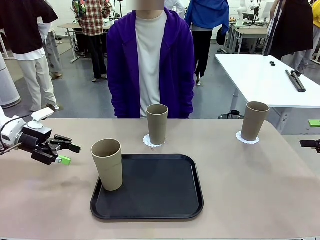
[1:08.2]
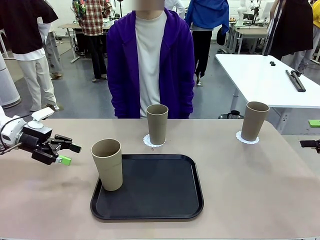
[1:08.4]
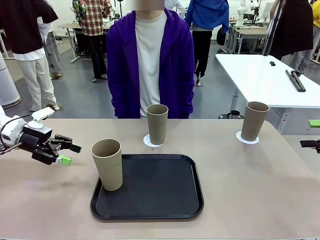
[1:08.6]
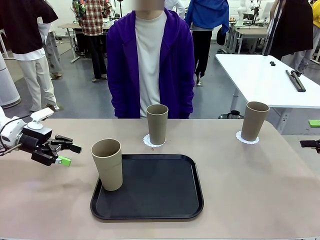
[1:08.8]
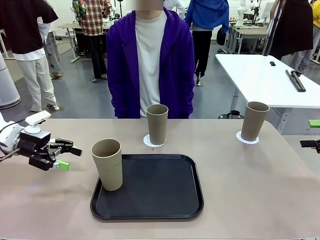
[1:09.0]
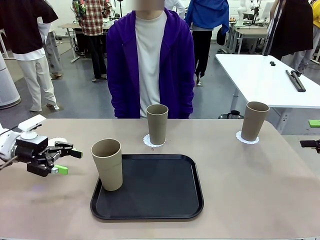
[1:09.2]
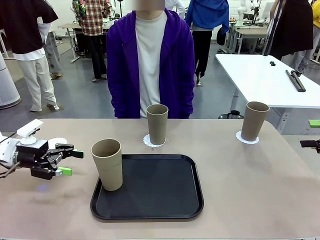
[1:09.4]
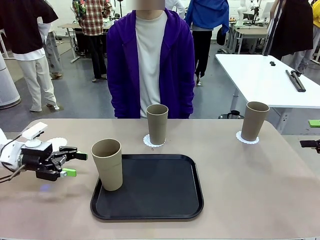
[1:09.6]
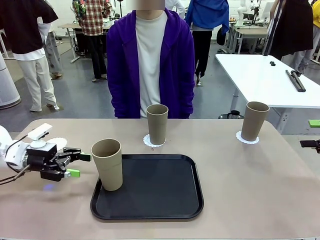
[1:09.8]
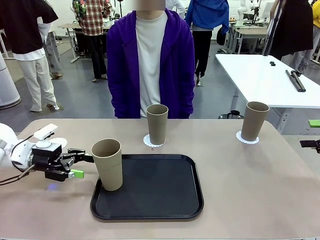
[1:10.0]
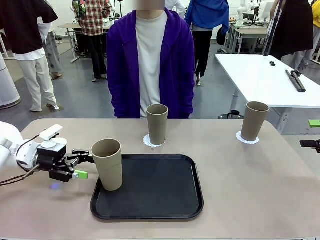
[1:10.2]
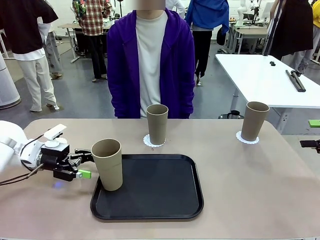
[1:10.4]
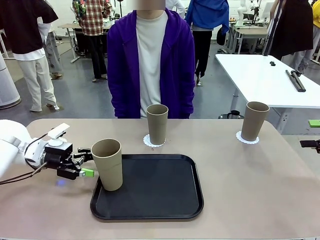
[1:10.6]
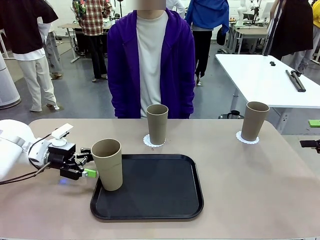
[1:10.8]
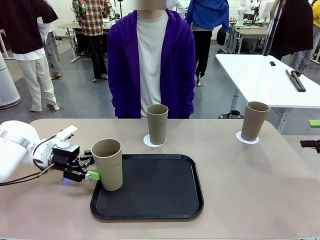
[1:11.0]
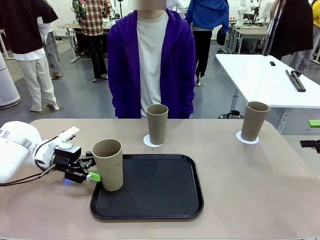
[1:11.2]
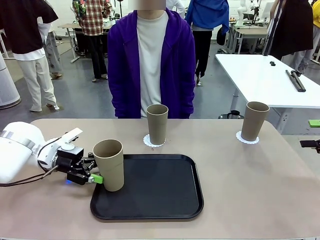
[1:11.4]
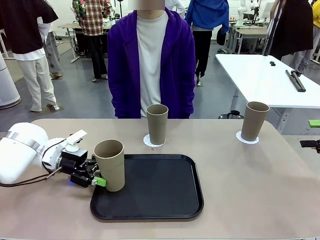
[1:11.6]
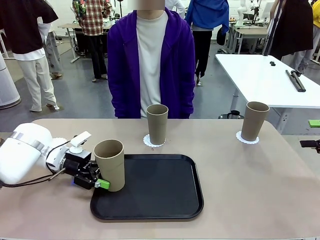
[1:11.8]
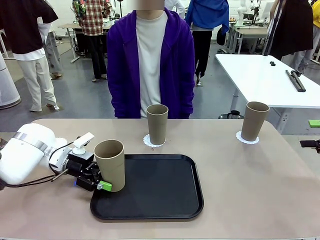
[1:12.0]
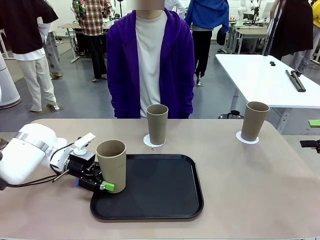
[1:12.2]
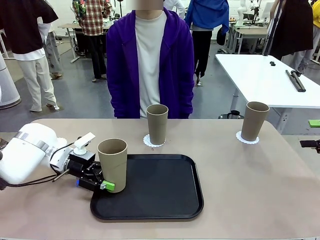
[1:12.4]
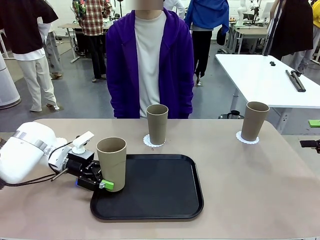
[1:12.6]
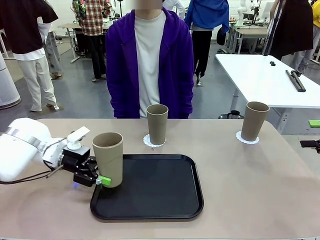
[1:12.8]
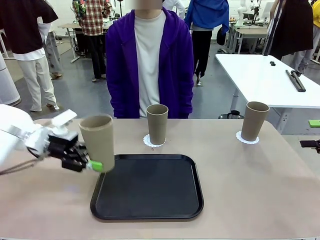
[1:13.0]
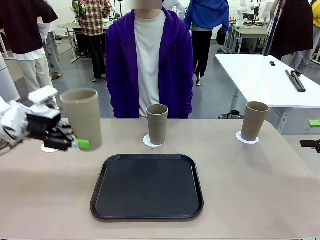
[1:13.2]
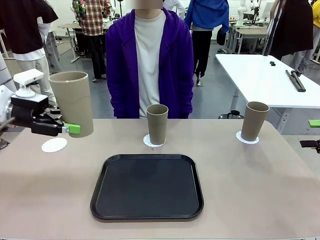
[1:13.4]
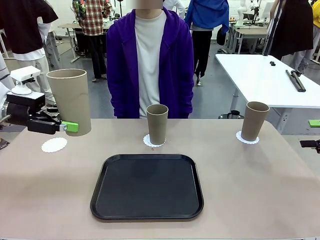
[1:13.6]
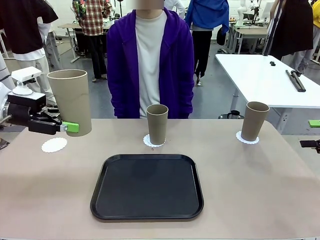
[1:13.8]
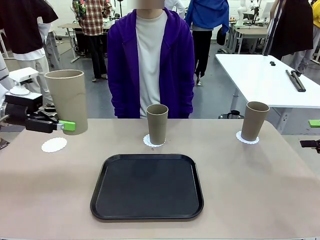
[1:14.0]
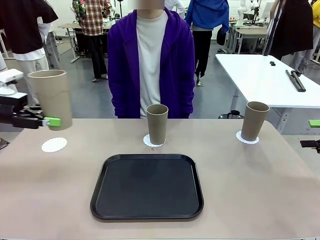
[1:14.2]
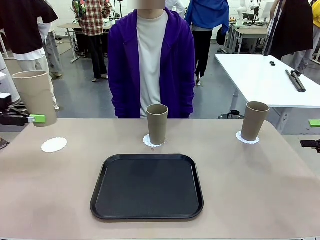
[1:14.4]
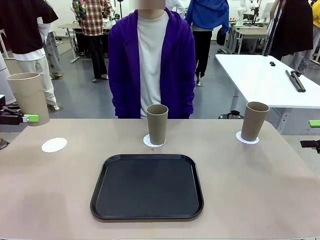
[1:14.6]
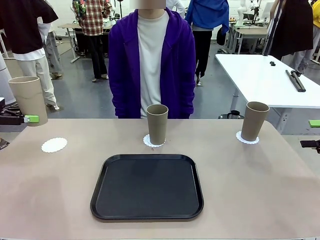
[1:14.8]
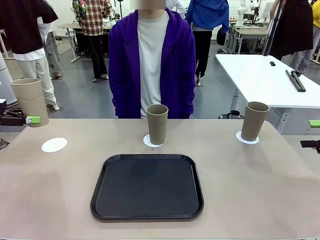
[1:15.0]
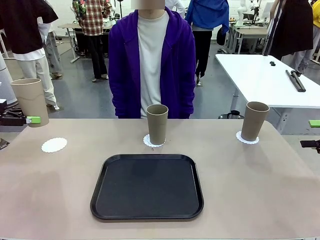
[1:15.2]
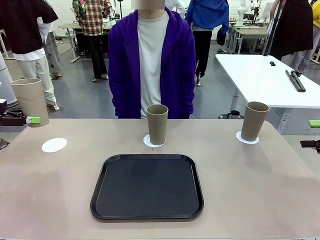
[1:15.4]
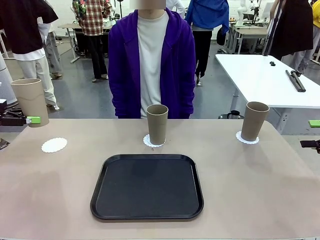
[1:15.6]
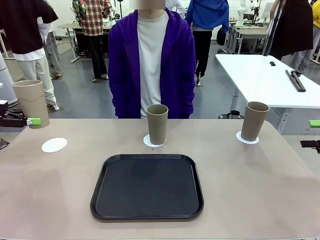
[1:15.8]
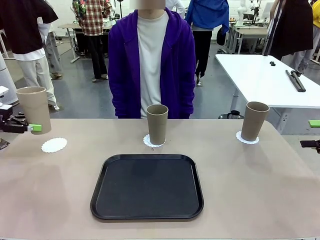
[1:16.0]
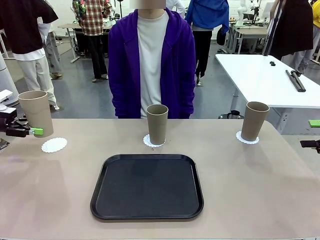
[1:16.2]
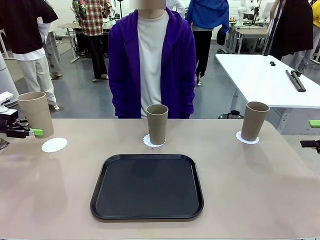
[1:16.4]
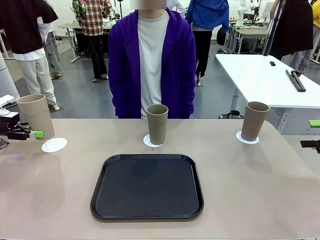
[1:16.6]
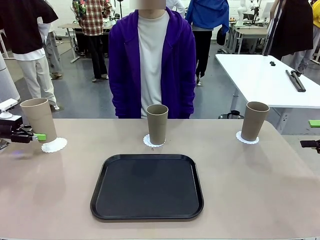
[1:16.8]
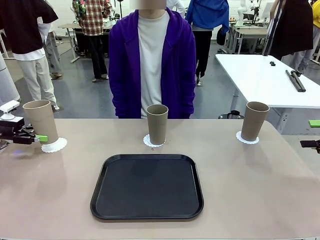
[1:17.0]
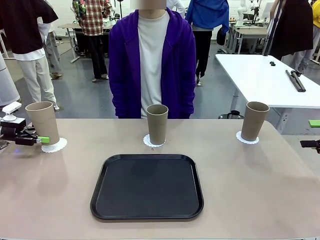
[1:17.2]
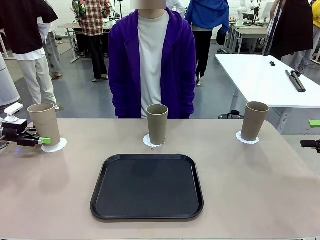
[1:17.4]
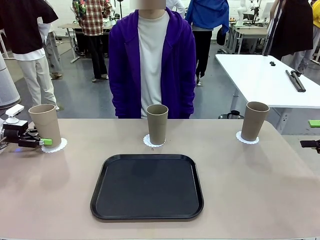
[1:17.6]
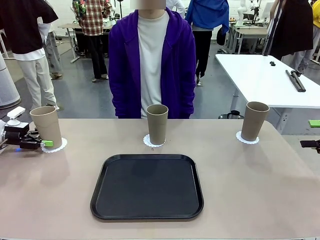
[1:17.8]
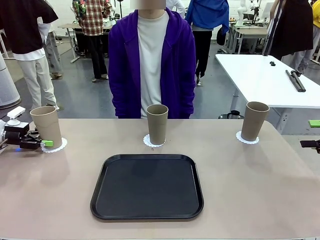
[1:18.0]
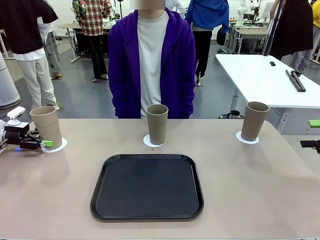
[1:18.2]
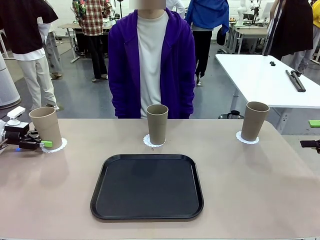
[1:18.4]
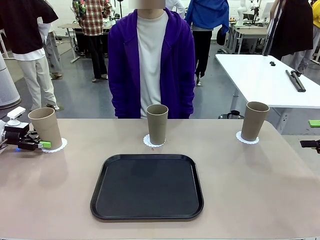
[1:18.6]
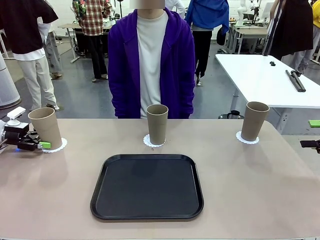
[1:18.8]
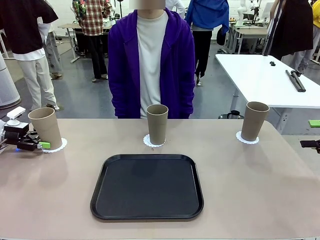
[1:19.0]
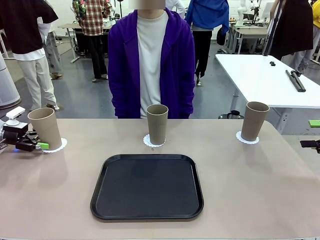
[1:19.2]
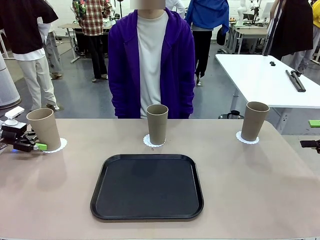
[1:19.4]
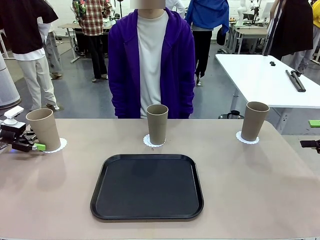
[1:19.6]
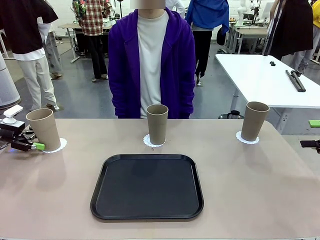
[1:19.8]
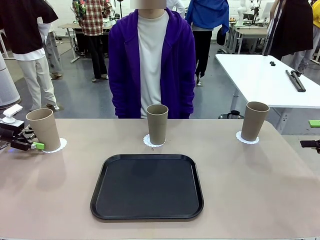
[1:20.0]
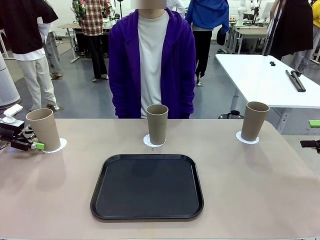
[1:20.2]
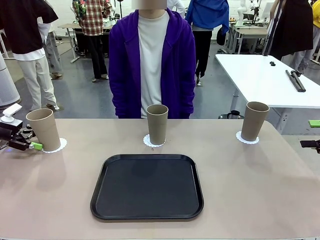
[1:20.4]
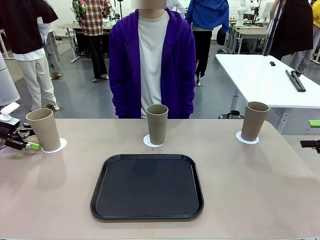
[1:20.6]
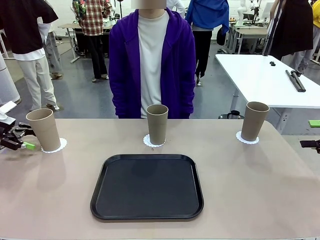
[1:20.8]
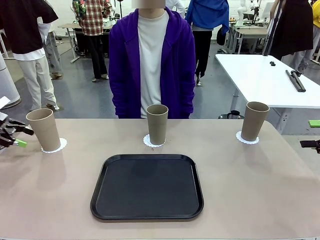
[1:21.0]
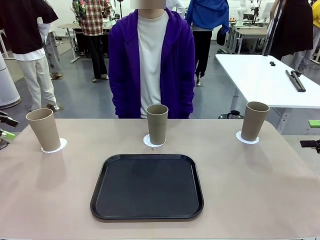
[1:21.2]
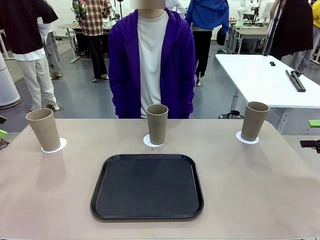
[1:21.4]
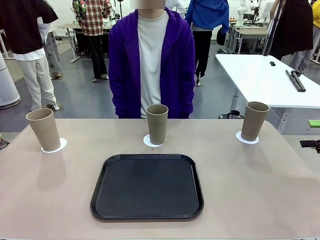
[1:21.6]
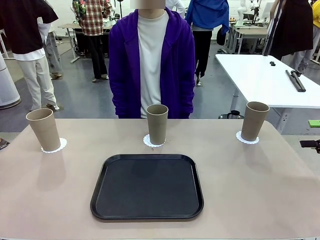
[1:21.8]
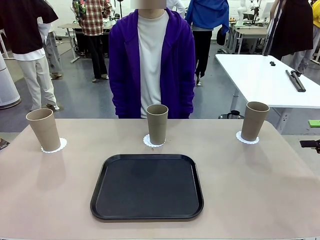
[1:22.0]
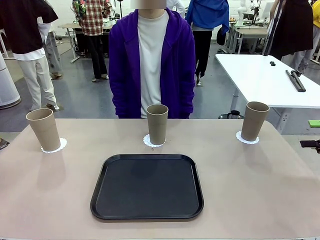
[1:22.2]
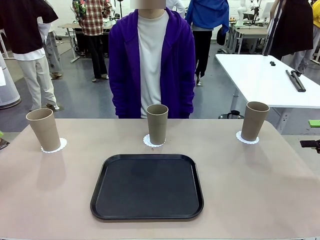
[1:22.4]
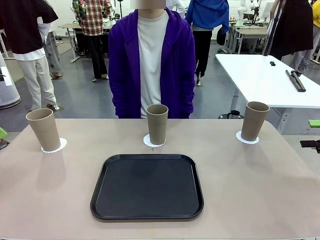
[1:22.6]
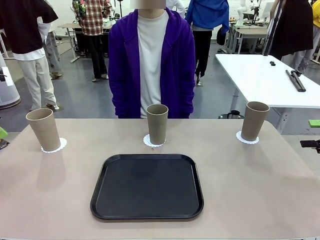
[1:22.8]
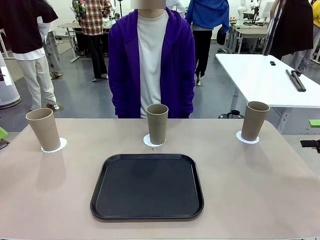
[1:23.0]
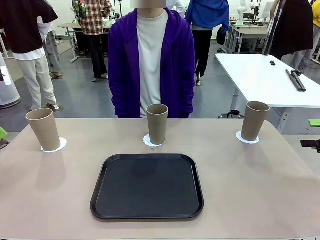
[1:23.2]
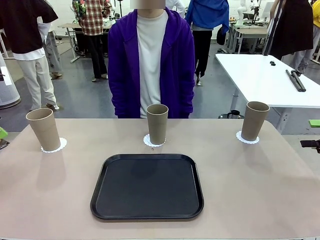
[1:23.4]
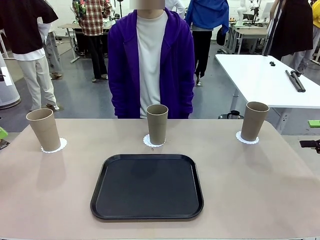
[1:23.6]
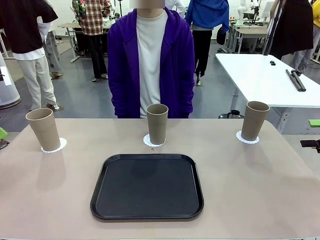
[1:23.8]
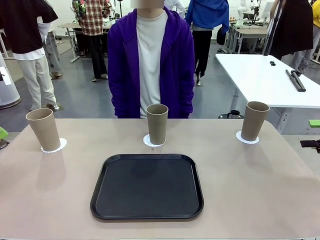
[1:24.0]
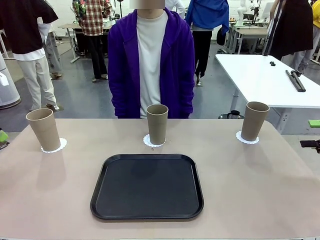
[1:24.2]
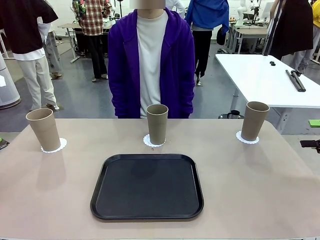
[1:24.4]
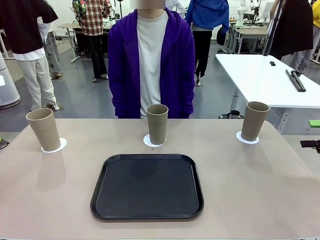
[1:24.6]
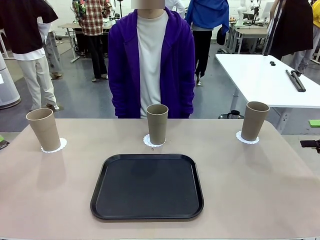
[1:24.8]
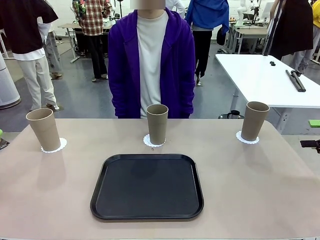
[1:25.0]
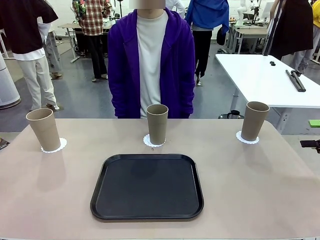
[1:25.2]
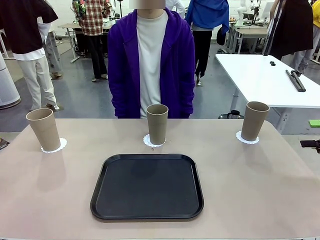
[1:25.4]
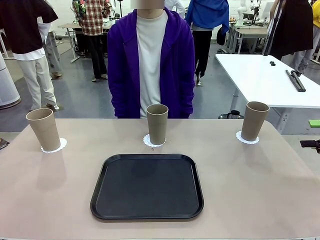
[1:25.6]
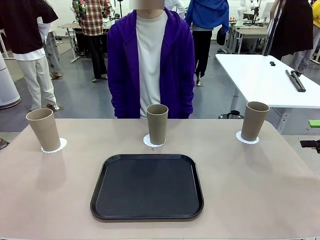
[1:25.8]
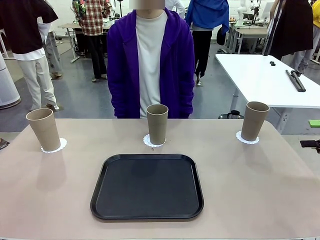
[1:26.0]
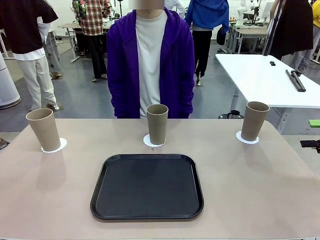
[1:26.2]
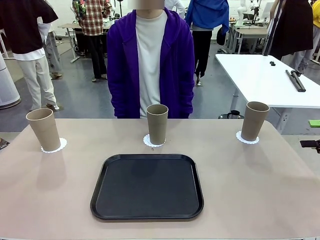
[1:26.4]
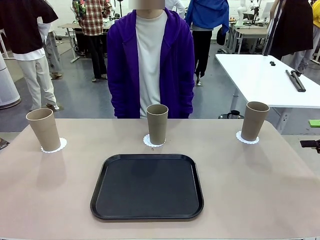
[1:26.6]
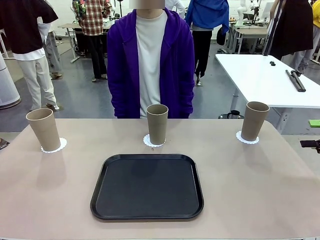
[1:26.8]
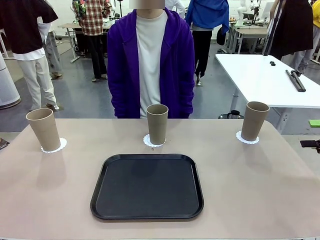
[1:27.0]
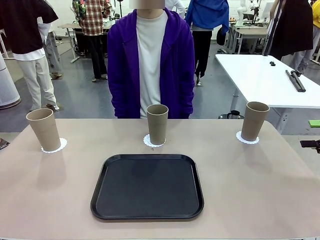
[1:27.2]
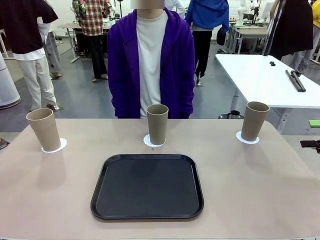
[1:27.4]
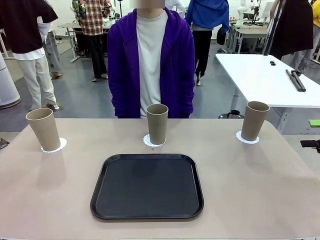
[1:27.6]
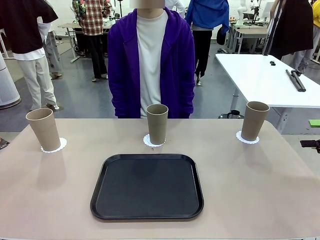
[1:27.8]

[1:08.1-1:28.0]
Task: Place coasters on the table and set cups on them.
Robot: Take one Reusable plastic cup from the Flat Tray and place it on a coaster set by the human.
